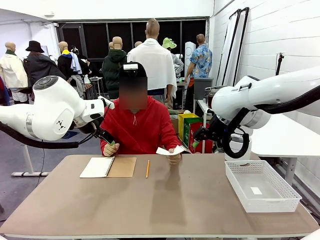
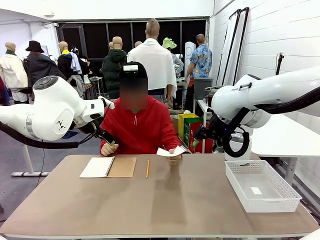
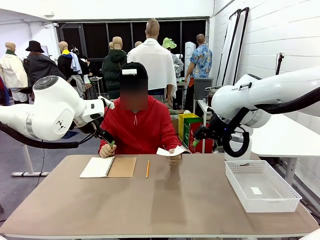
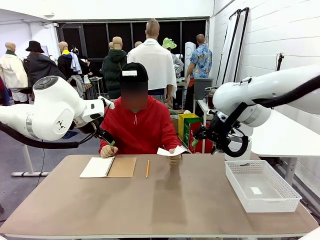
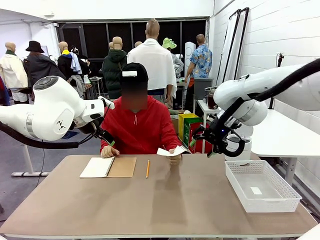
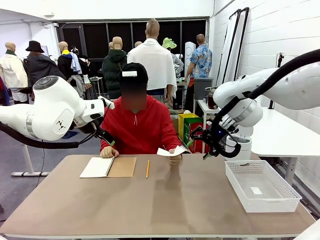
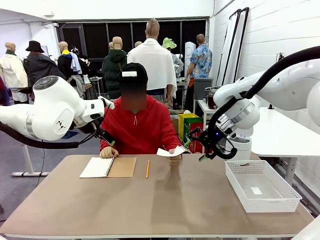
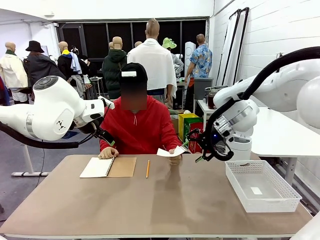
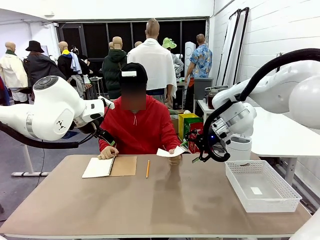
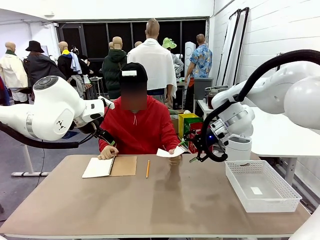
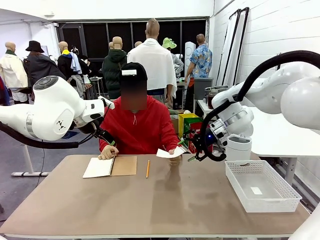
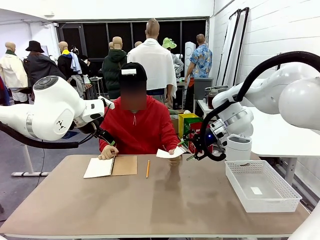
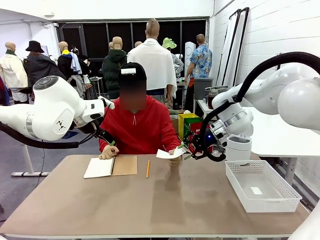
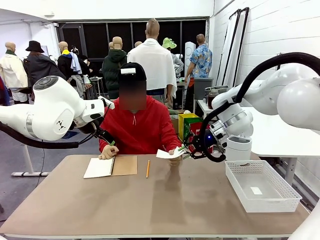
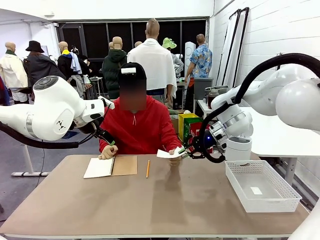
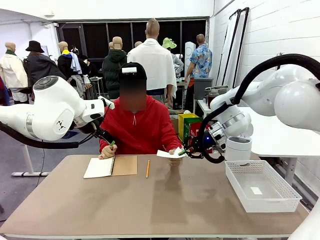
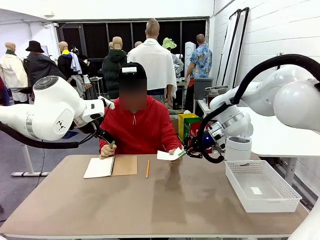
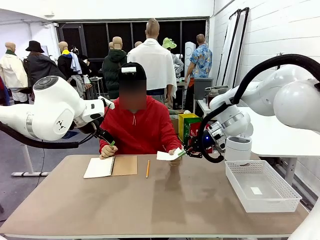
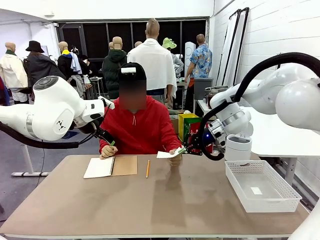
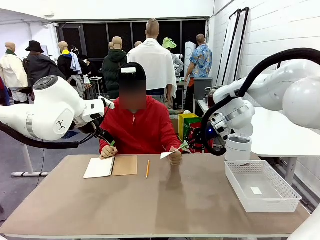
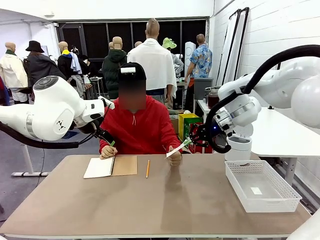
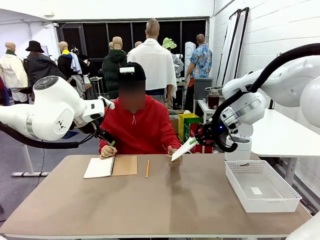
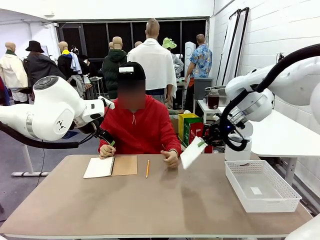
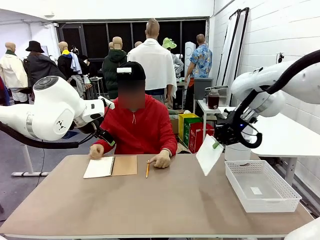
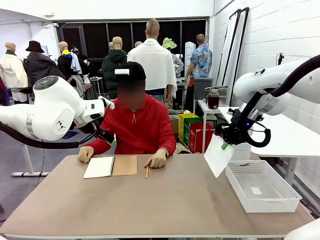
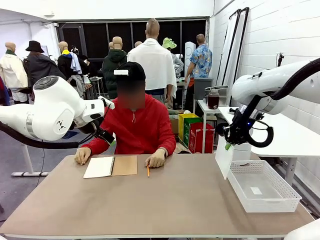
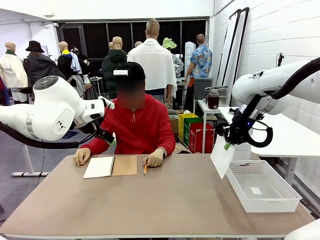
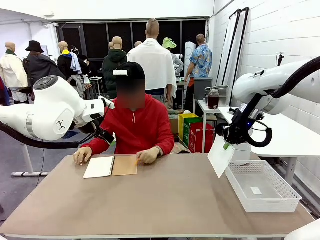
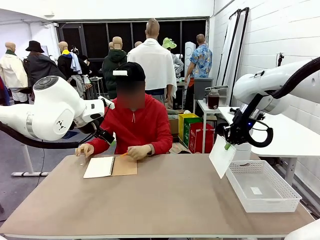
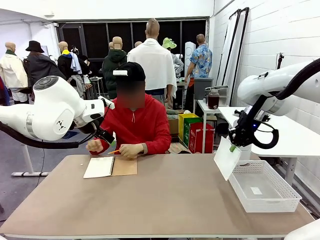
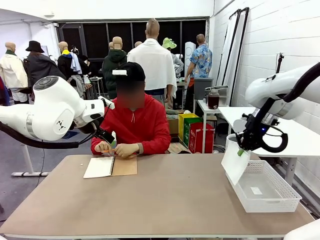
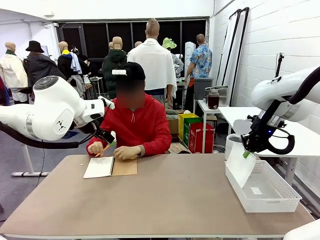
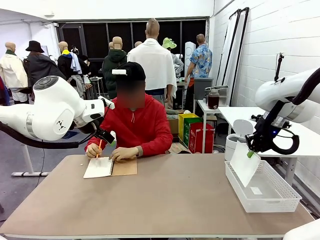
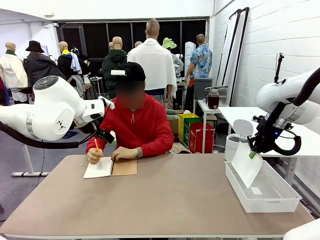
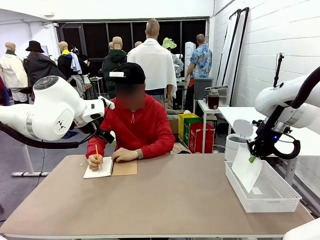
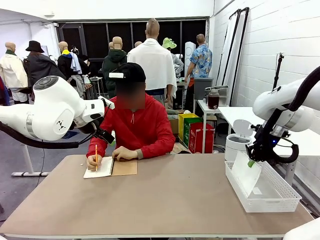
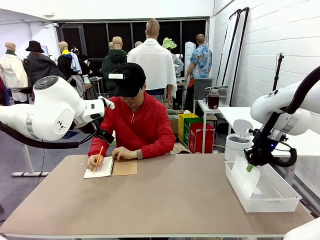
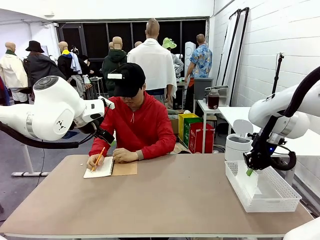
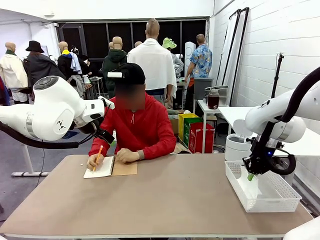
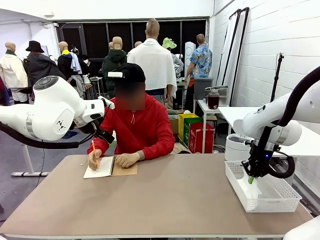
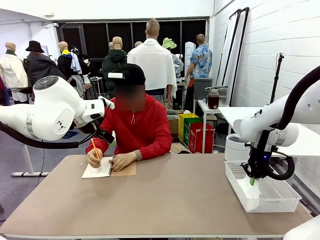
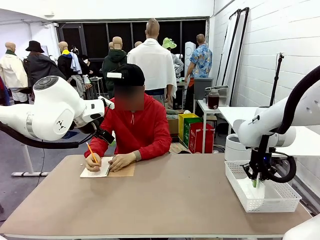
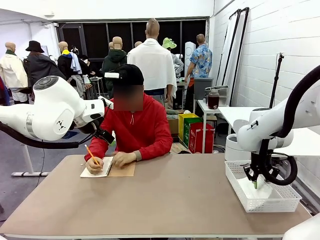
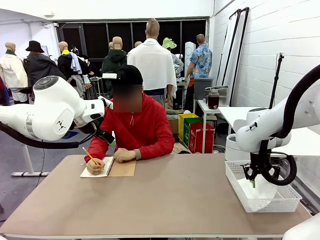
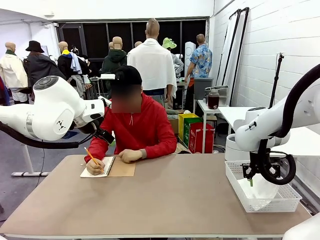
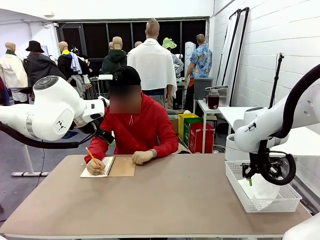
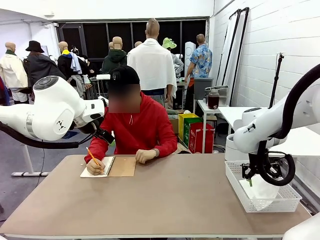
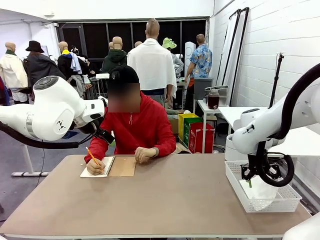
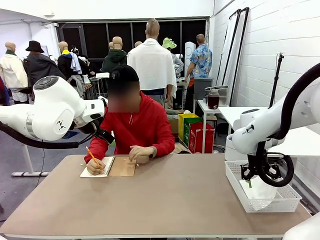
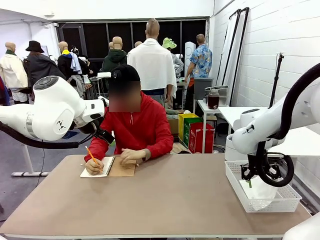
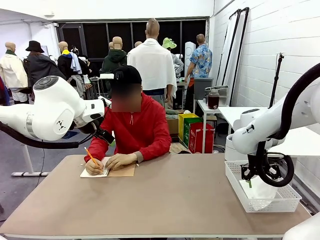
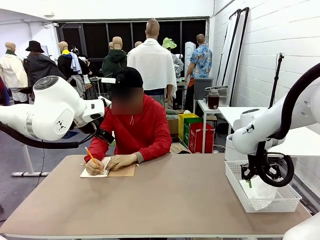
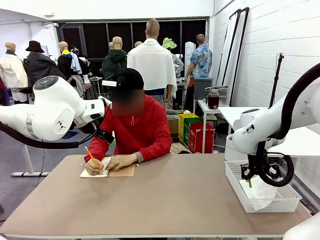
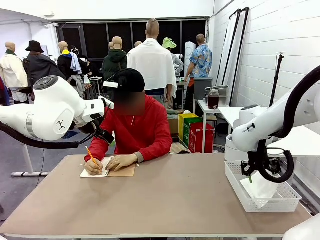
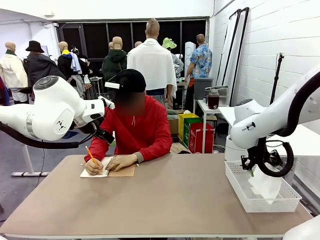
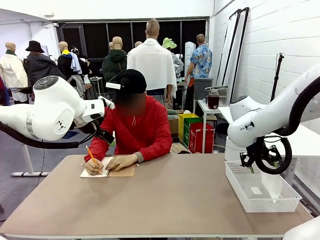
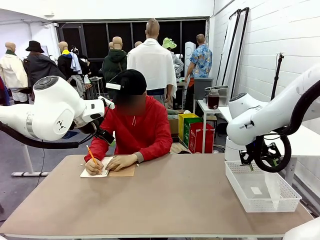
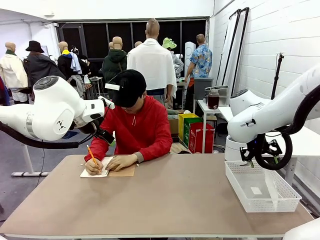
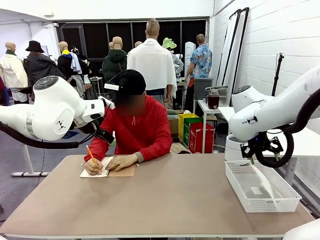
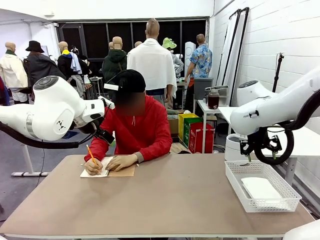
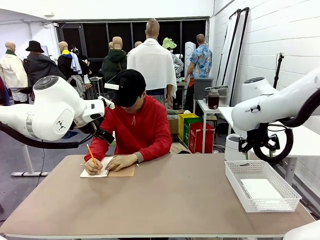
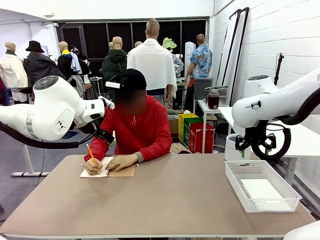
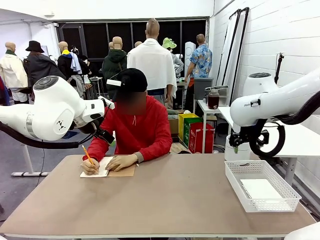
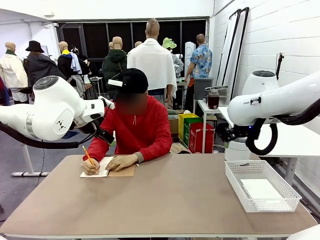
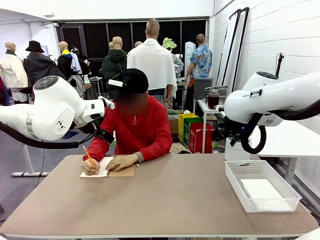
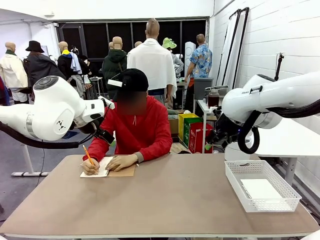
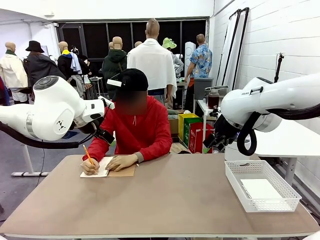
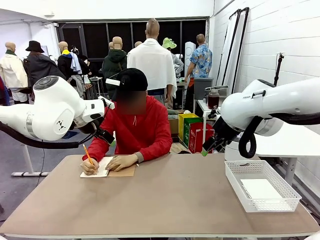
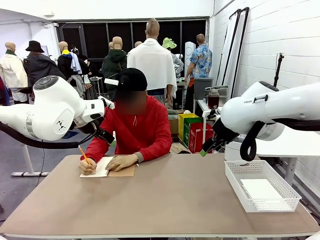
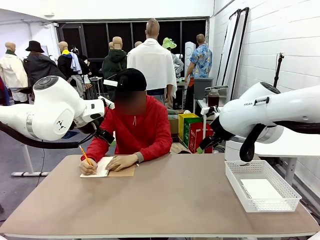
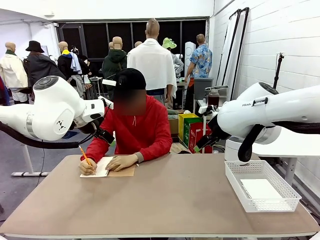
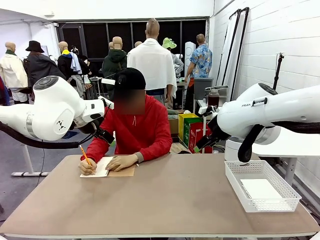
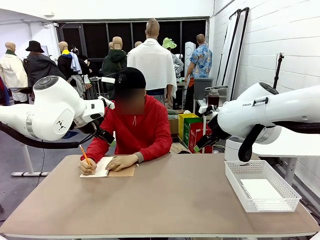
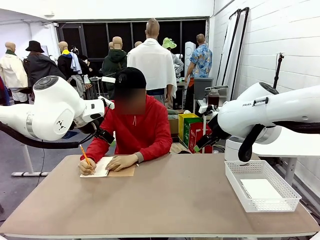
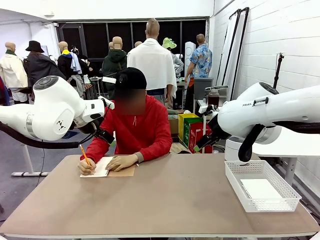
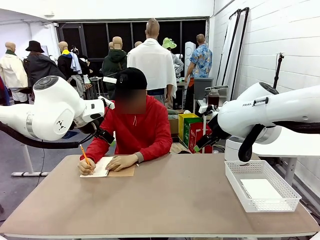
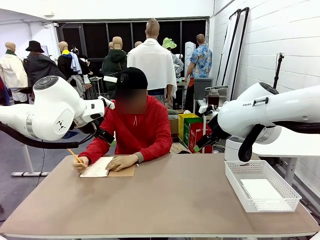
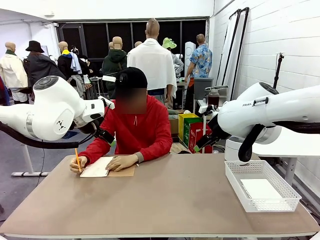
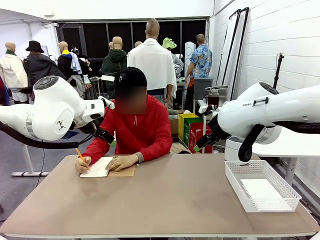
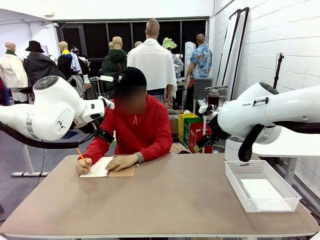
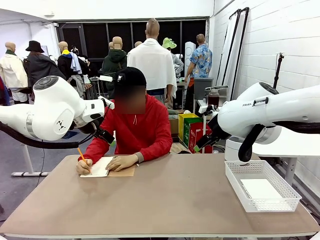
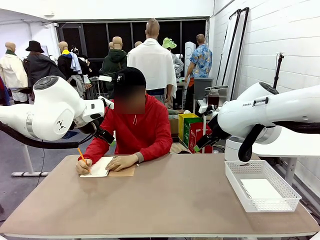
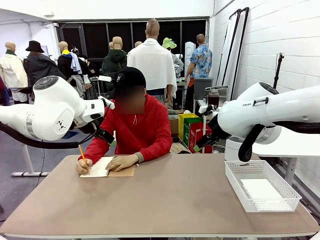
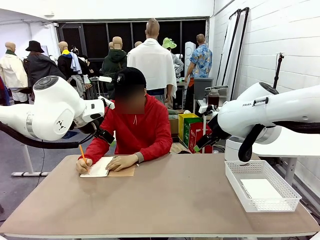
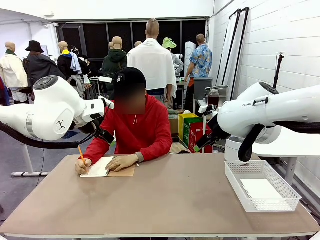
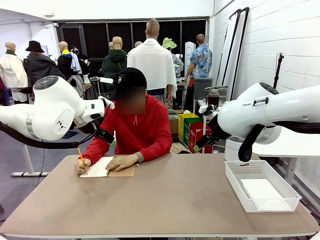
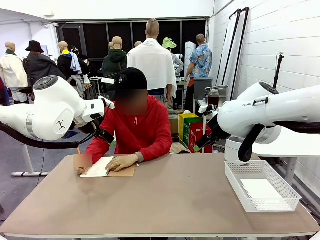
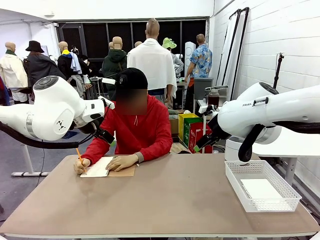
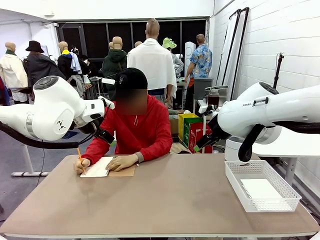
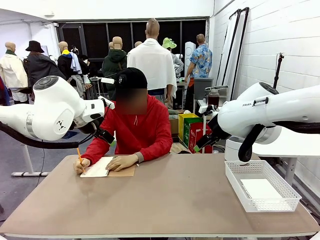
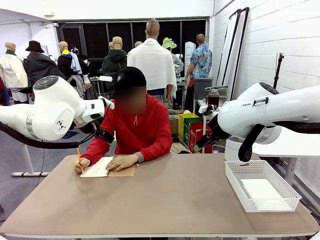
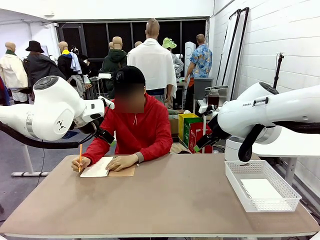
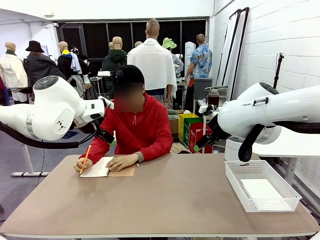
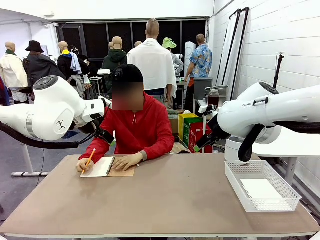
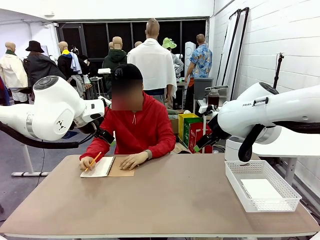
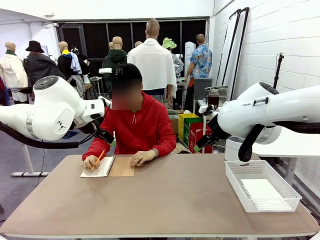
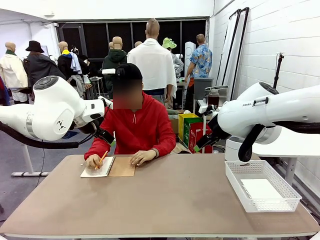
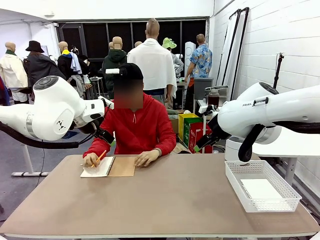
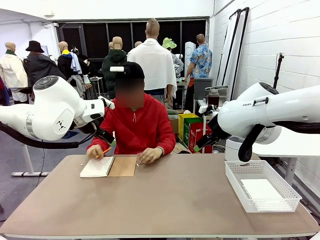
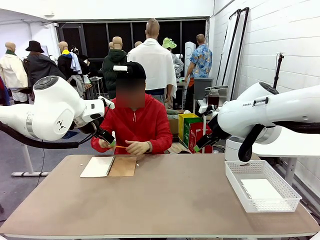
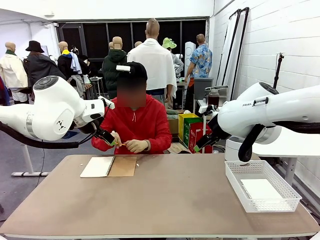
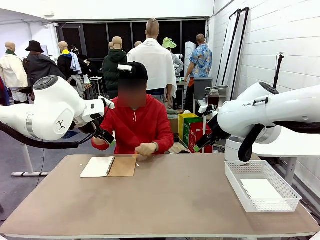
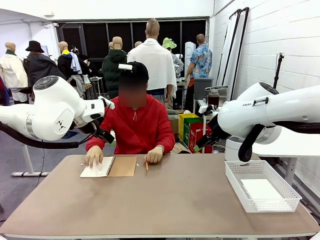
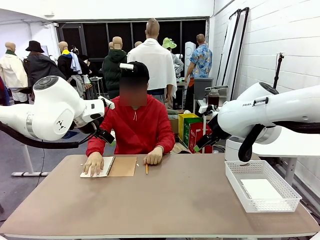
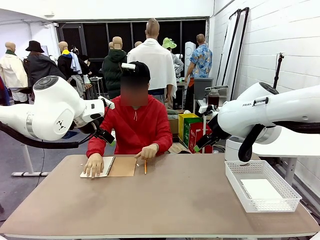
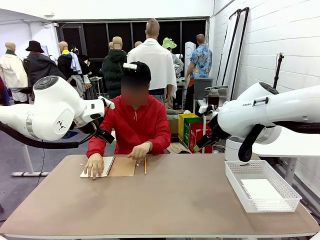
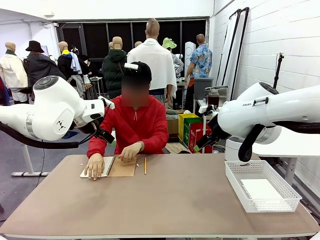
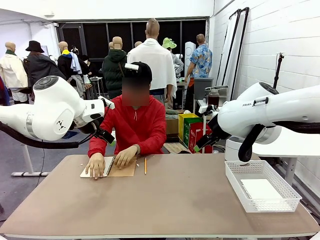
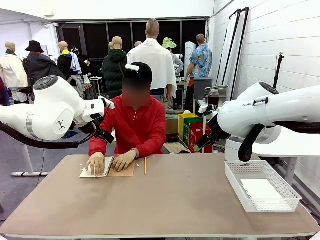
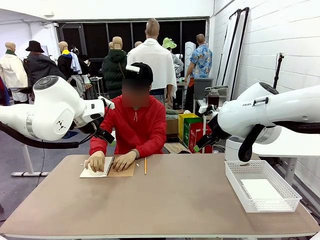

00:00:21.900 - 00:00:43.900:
Task: Sort the paper based on its condition.
Robot: If a person hands you a paper, place it in the Organizing basket , and if it's crumpled, put it in the Trash can.
Person: Tear out a page from the spiral notebook.
